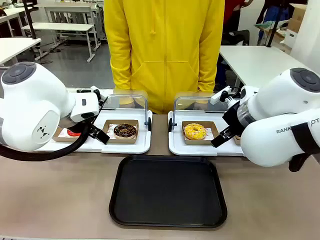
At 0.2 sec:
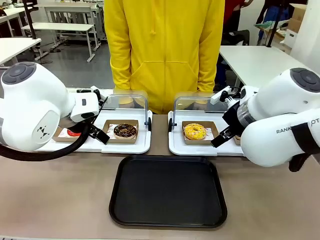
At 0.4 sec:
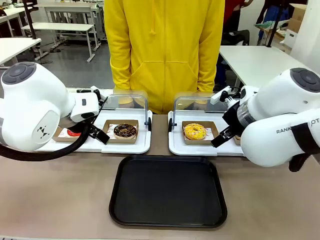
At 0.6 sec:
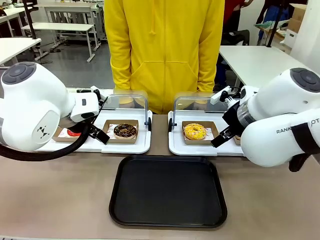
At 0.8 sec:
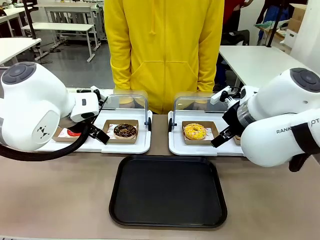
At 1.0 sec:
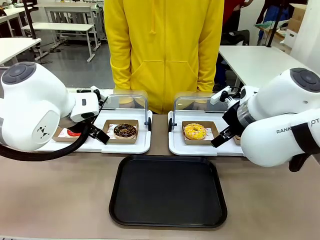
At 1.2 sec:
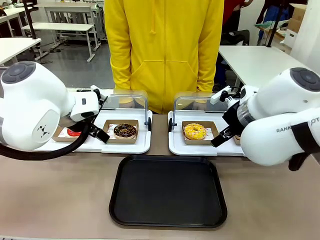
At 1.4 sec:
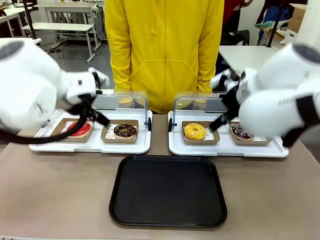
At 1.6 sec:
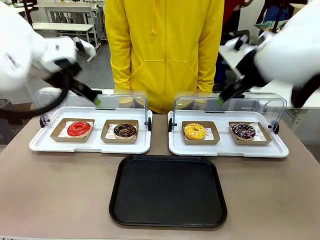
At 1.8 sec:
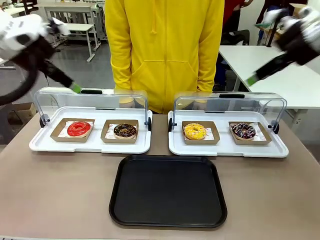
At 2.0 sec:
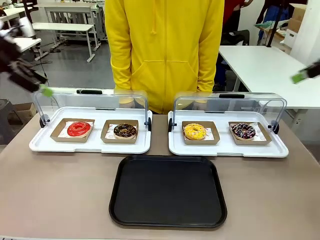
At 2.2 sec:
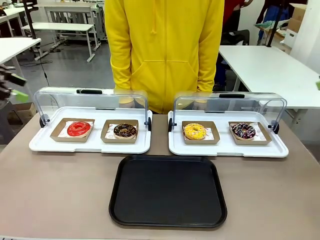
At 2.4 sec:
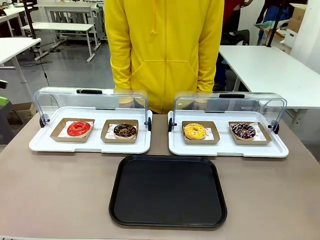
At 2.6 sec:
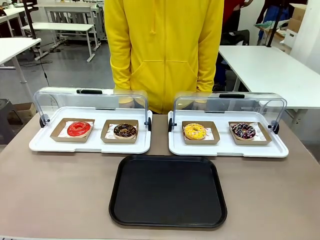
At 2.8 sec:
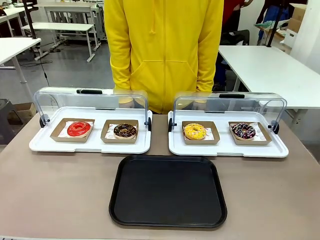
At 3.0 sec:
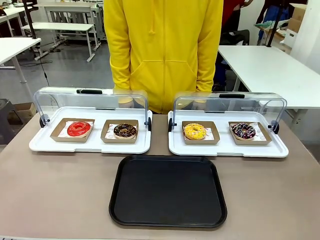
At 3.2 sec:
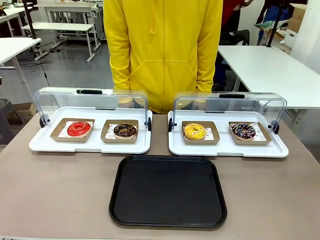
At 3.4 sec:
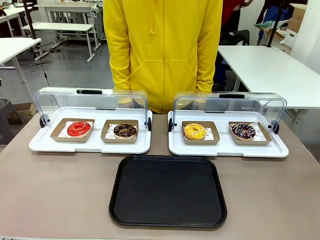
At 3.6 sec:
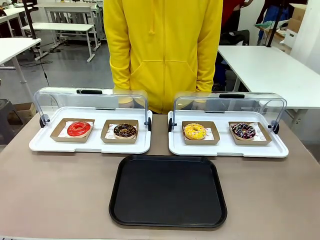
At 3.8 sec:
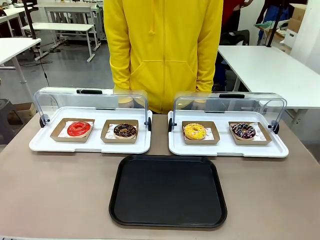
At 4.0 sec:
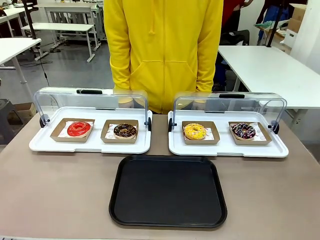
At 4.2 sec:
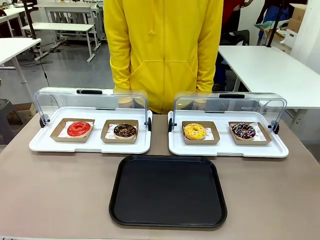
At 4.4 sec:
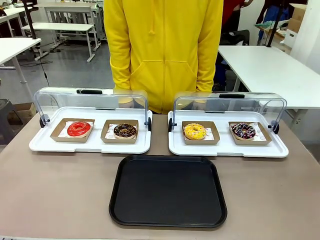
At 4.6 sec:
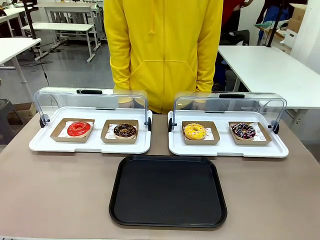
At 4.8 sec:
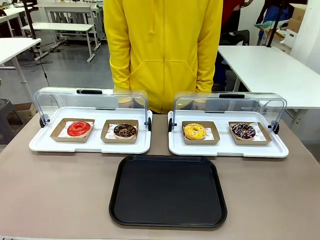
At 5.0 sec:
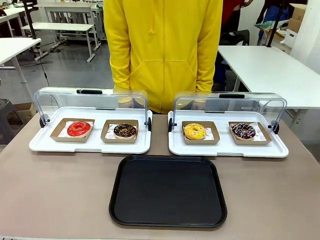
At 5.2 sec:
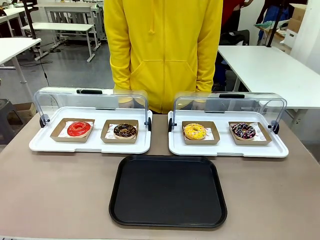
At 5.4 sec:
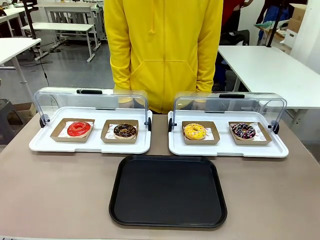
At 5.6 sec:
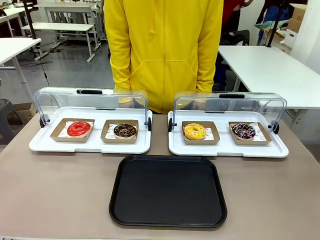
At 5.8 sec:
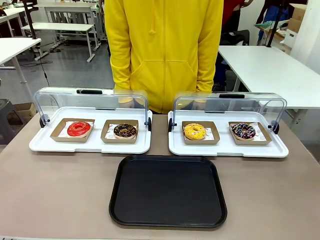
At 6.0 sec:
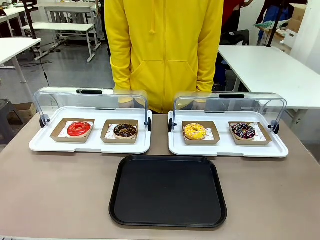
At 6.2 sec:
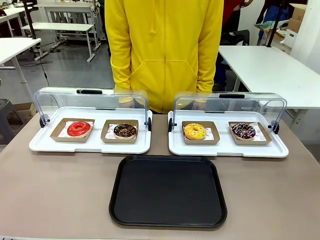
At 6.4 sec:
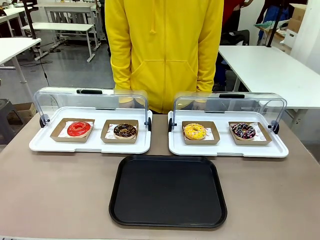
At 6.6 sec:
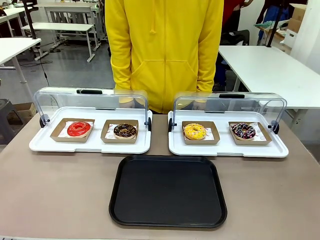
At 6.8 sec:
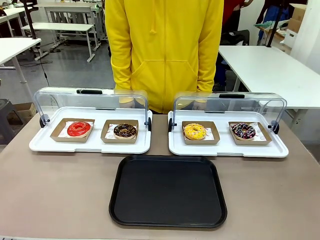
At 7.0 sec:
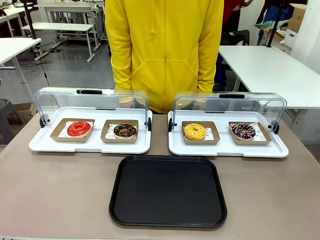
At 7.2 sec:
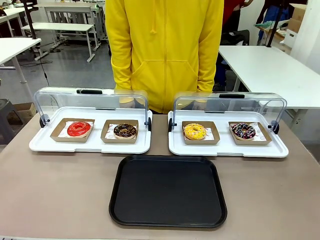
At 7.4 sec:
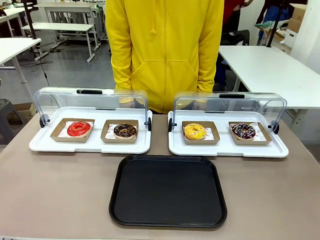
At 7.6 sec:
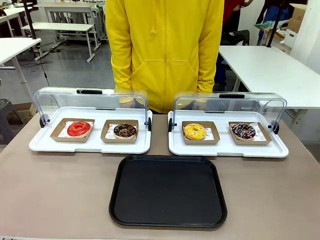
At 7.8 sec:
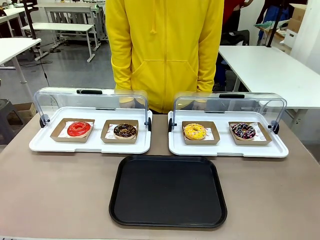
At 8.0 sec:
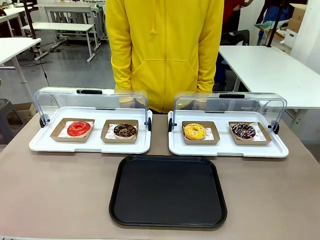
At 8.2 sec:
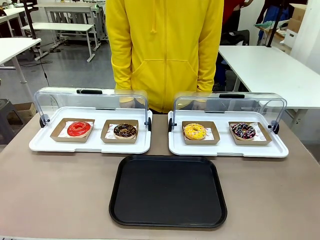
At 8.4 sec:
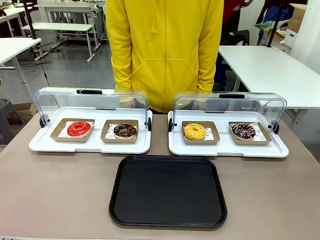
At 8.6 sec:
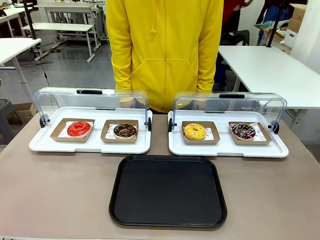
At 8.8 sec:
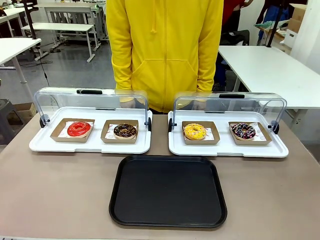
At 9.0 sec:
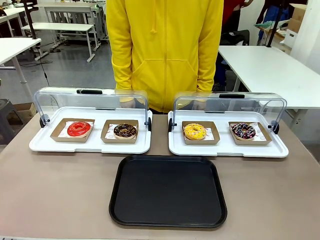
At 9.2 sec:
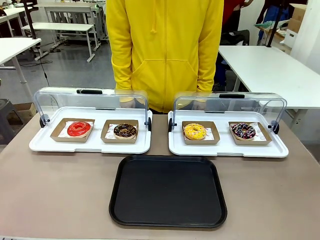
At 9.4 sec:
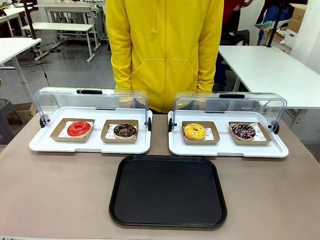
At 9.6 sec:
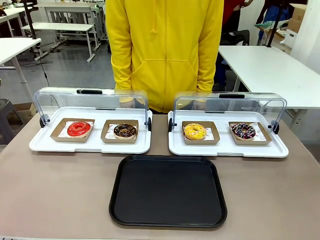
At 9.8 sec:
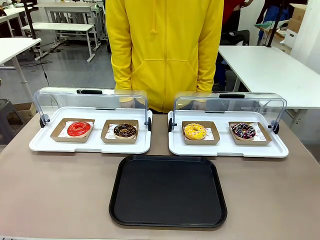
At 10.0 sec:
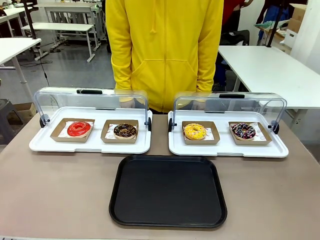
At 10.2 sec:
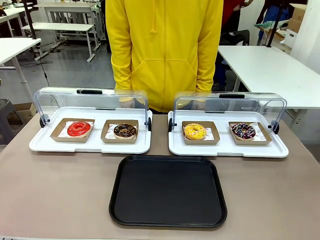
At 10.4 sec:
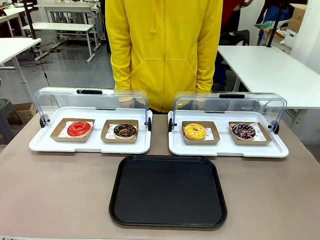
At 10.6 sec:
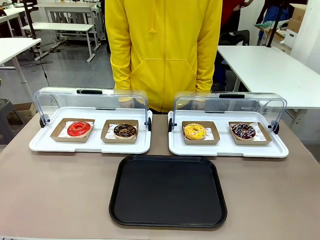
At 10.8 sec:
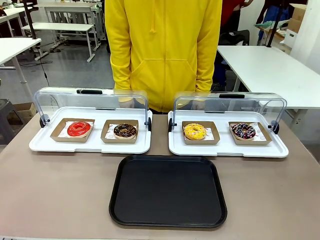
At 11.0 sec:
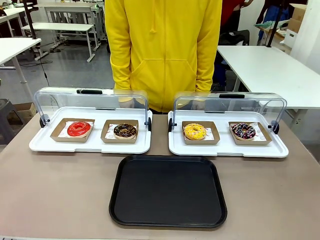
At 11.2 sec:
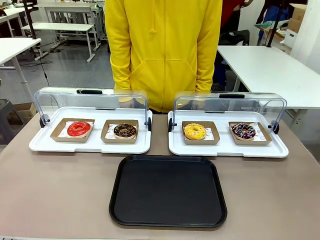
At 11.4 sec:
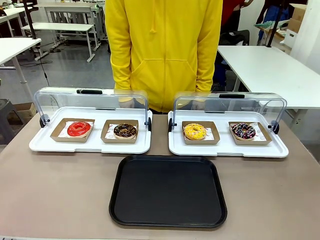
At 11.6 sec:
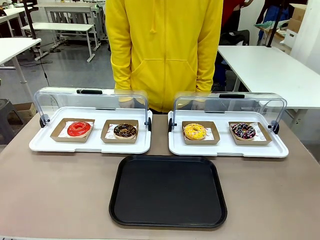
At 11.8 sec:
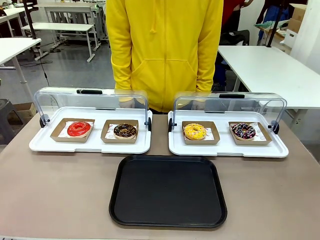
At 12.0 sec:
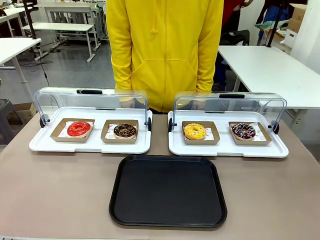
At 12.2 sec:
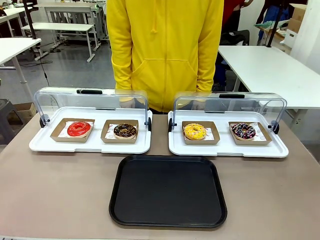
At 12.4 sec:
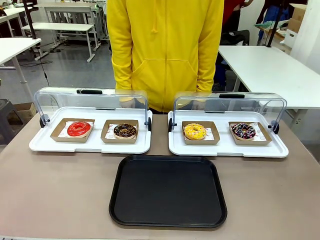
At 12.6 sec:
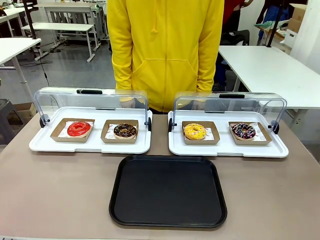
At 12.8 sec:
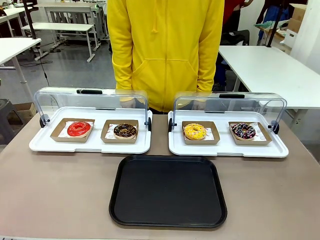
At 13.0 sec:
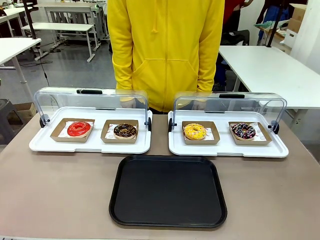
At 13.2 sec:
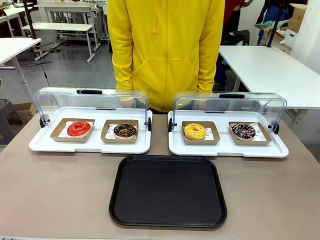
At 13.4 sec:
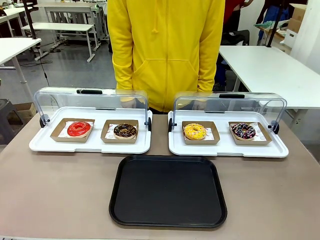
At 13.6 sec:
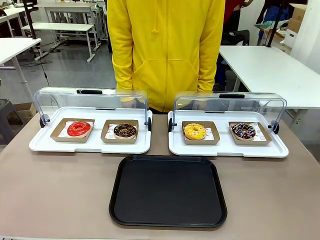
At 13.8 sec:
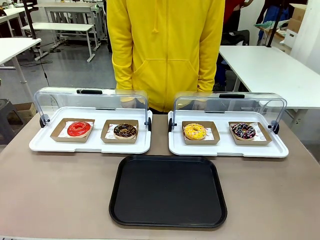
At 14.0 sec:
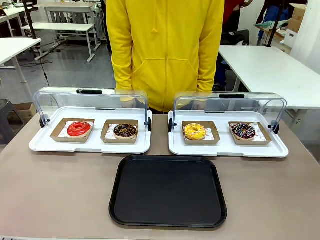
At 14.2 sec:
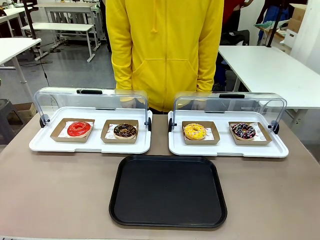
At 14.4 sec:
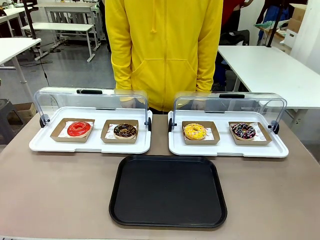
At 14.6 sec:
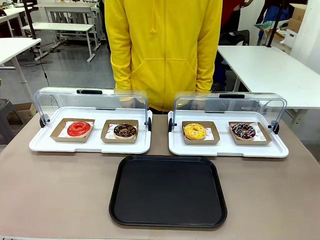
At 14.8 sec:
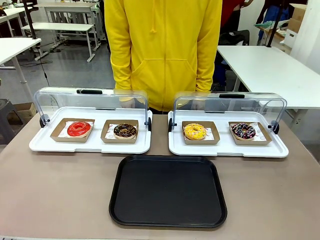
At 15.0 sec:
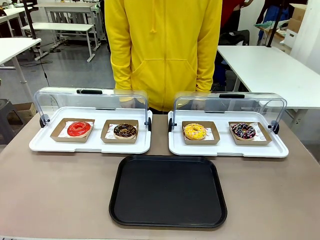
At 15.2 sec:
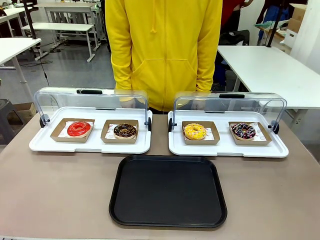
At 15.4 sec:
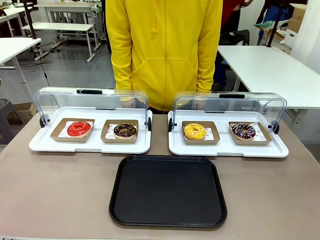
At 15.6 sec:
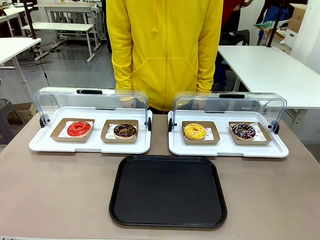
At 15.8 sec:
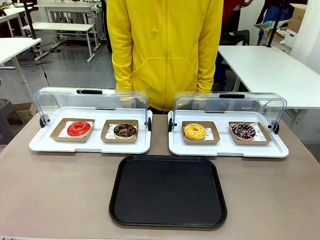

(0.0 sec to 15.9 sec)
Task: Move the first donut from the left to the tray.
Robot: Pick up the Paper togo box containing the Donut indicated by the person and place it on the Handle tray.
